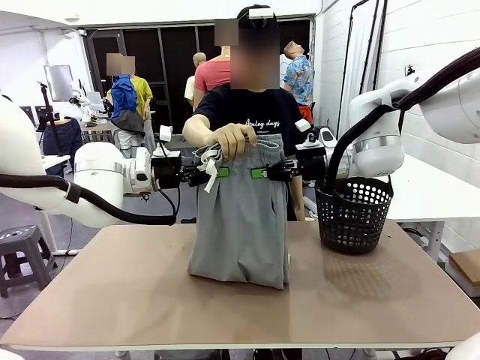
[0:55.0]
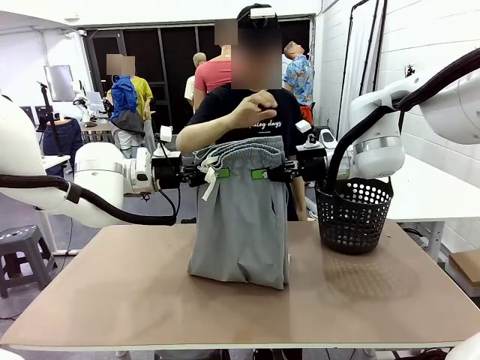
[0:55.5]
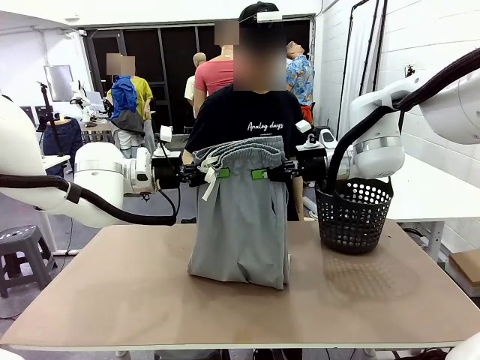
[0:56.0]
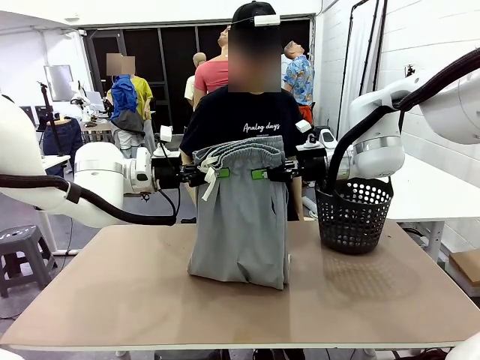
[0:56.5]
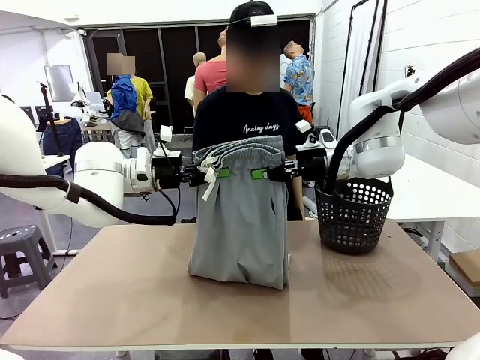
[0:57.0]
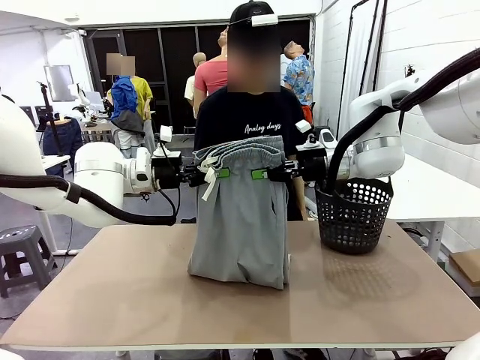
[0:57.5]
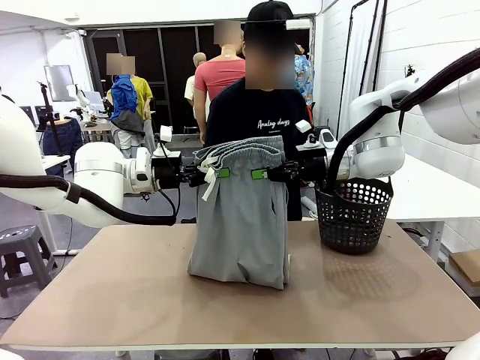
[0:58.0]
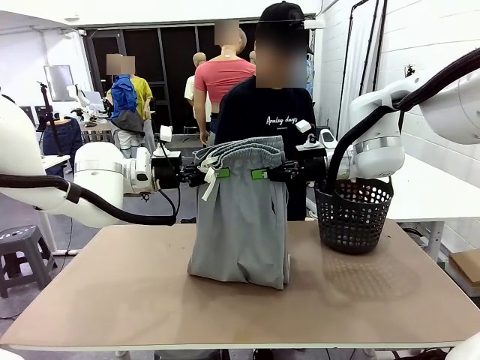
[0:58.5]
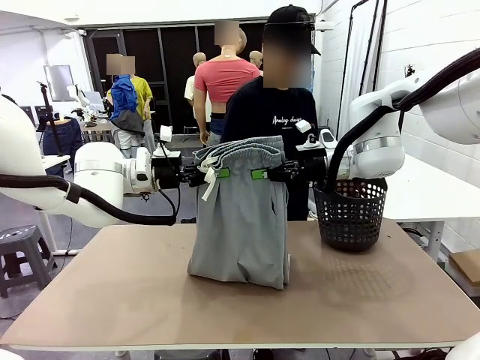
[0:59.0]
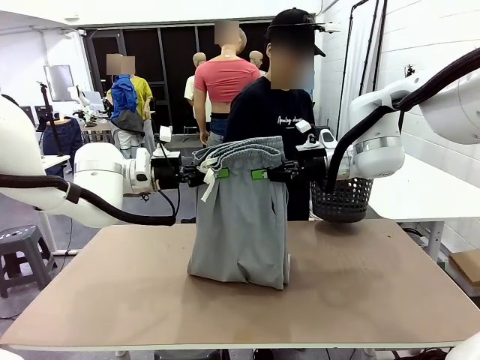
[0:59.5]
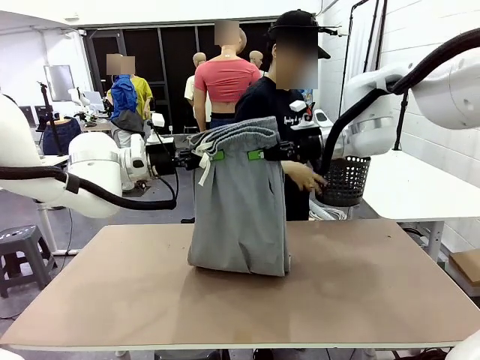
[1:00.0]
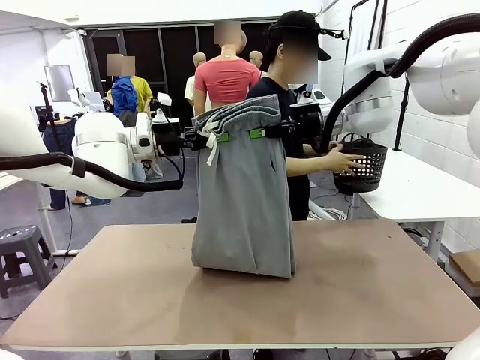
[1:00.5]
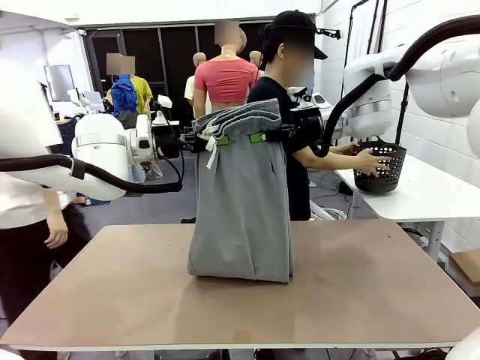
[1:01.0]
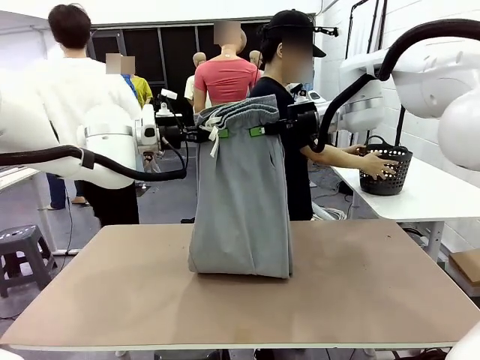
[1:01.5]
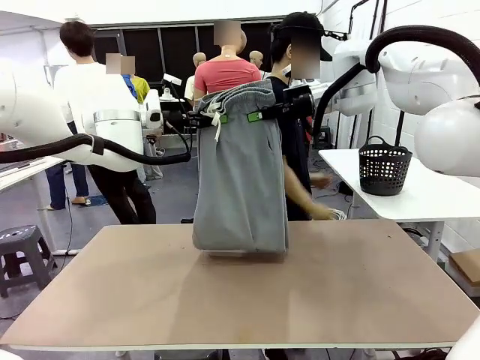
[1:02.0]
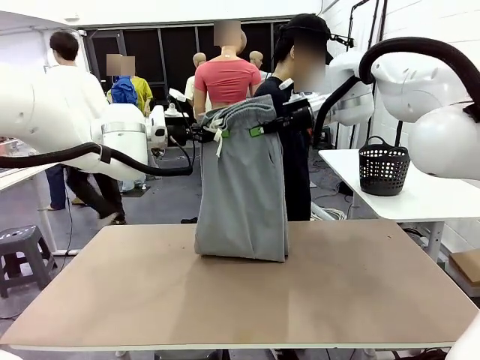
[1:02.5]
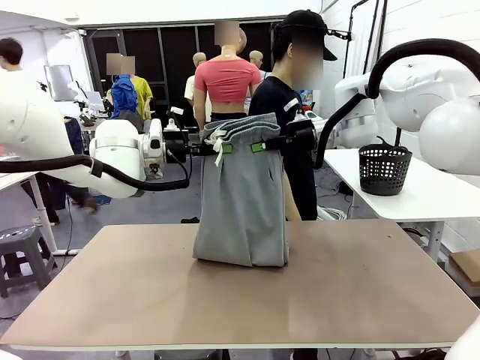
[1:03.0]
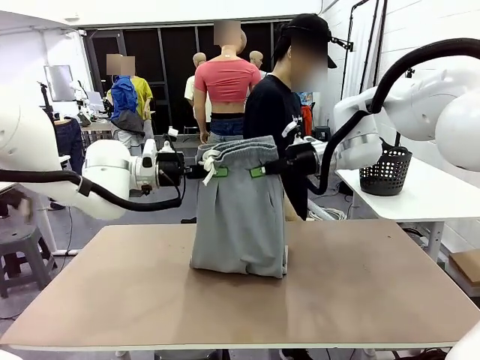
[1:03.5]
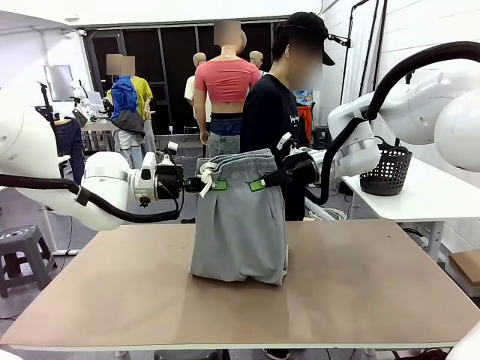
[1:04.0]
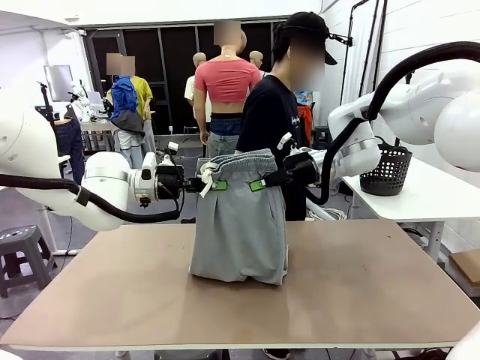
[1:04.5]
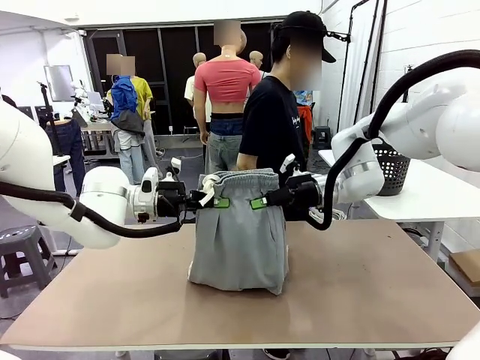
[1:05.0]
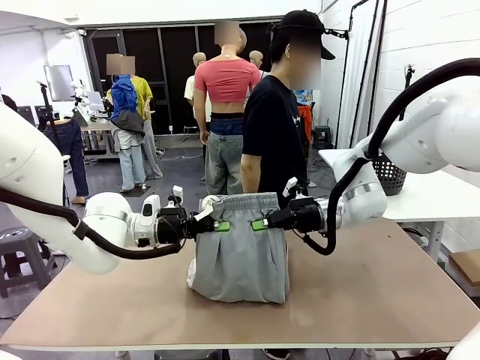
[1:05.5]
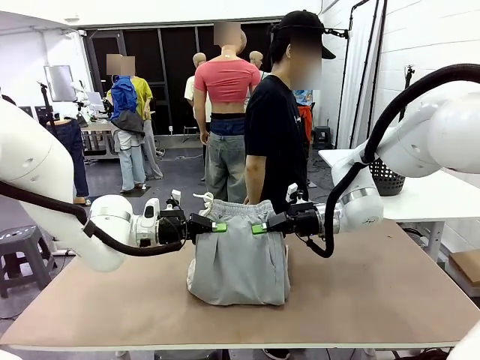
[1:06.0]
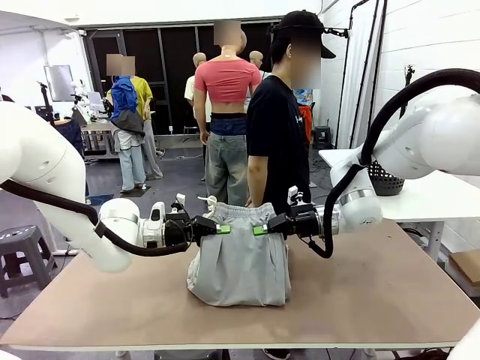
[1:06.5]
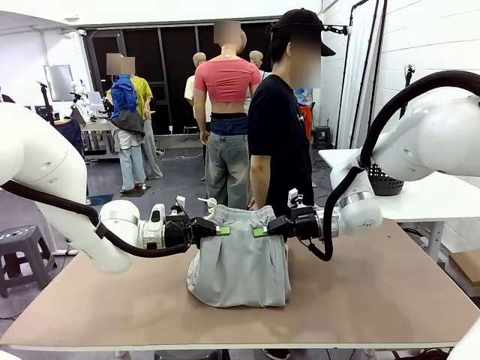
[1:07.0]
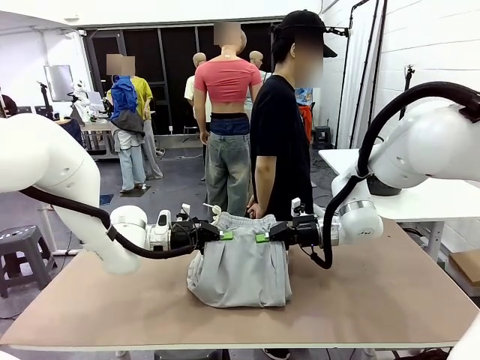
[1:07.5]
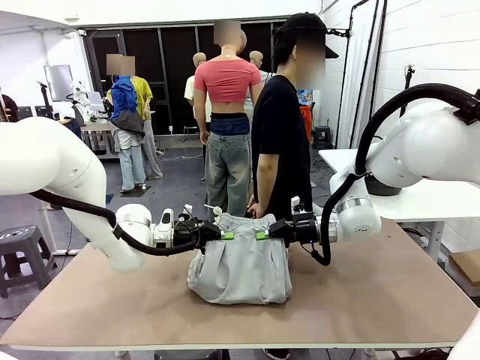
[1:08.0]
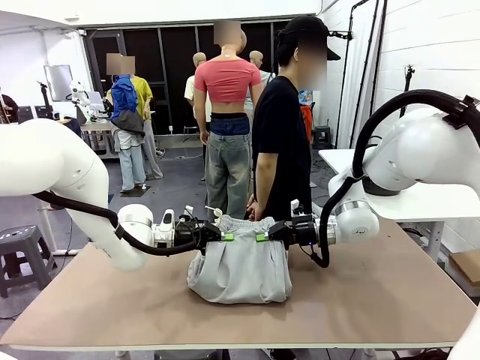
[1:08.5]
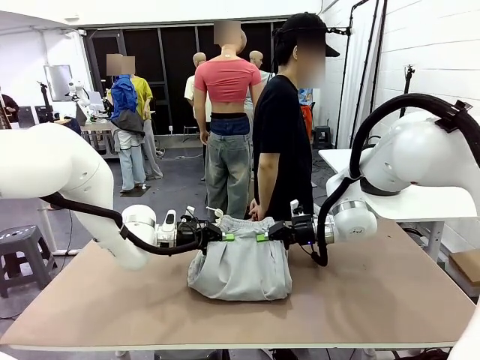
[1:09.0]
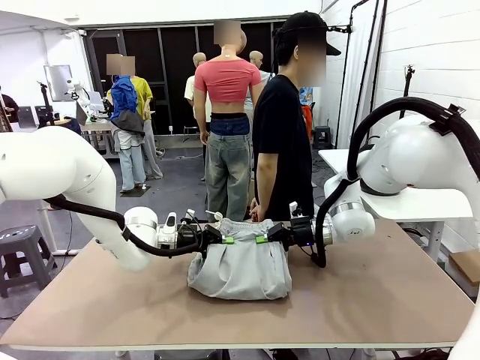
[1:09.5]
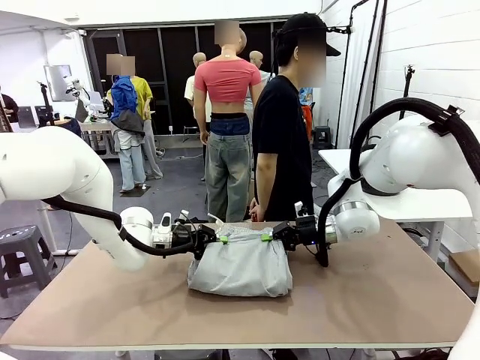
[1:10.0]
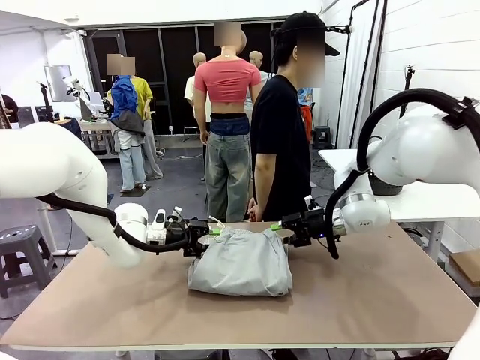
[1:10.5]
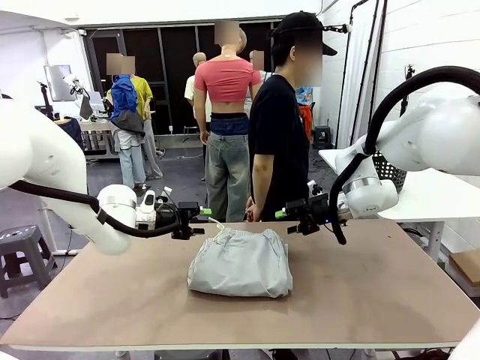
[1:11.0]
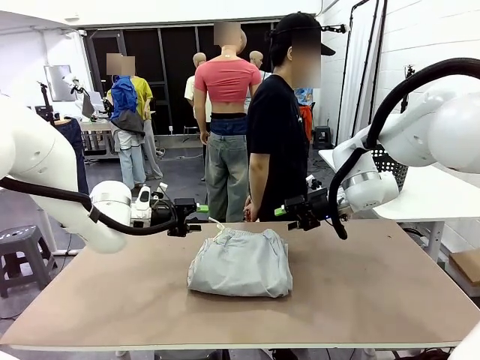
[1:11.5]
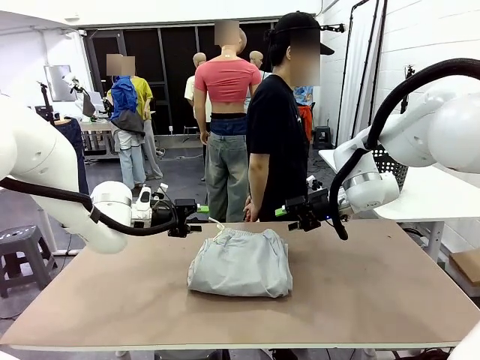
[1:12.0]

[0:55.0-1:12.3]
Task: Fold the training pants.
Robot: Fold the Training pants in half.
Person: Move the laundry basket to the right of the human table.

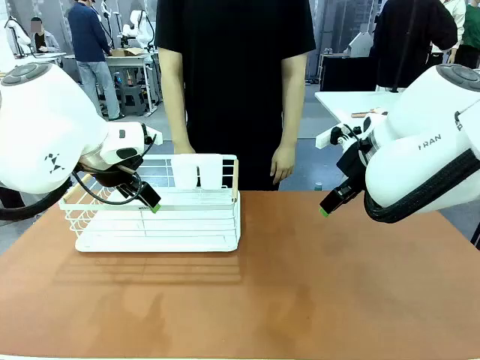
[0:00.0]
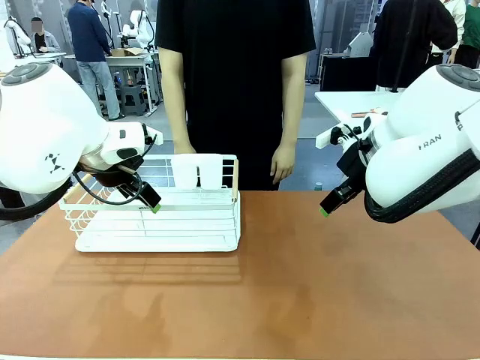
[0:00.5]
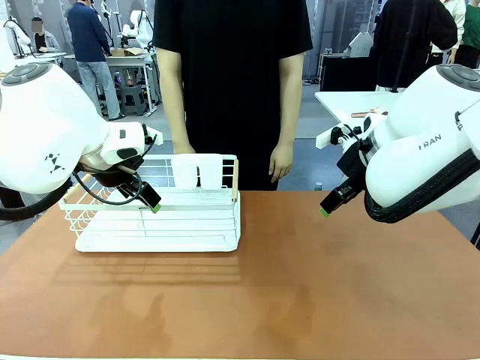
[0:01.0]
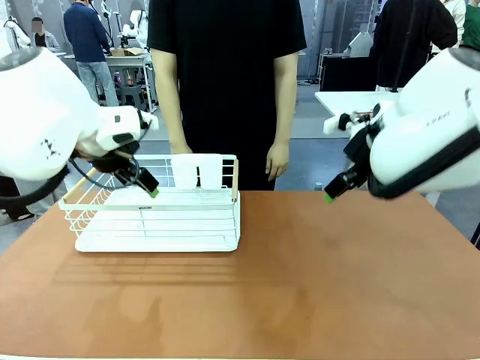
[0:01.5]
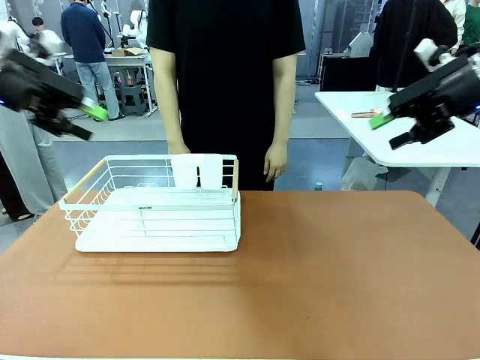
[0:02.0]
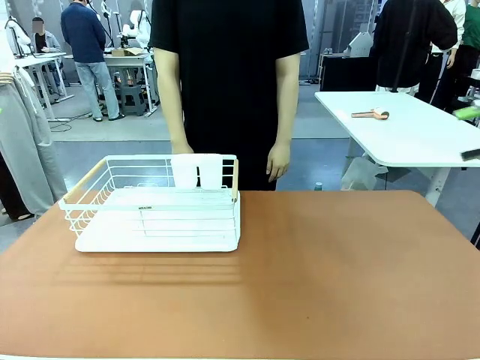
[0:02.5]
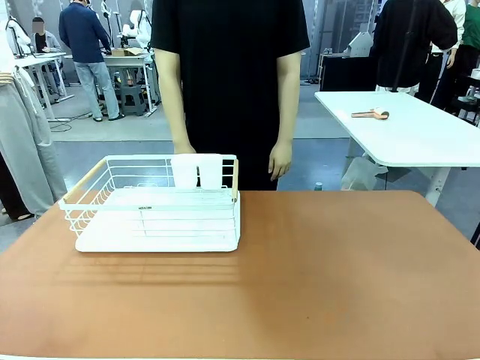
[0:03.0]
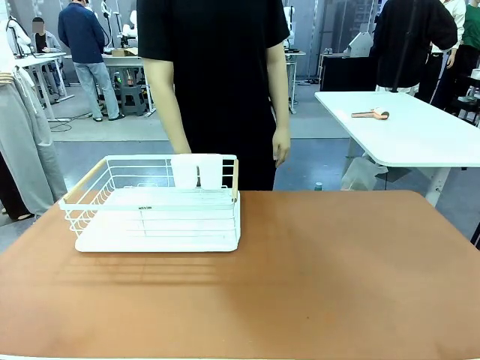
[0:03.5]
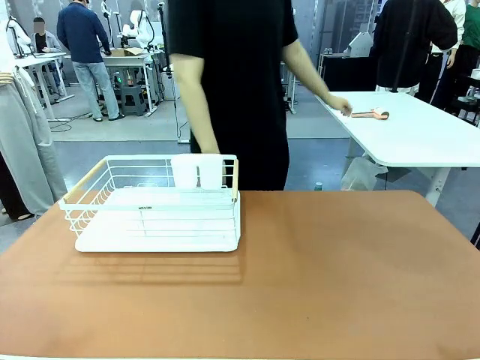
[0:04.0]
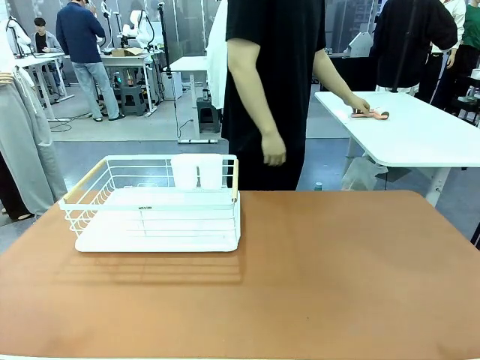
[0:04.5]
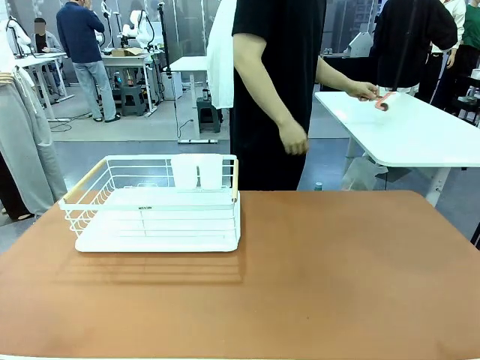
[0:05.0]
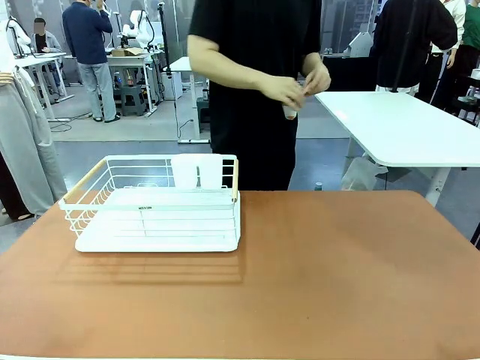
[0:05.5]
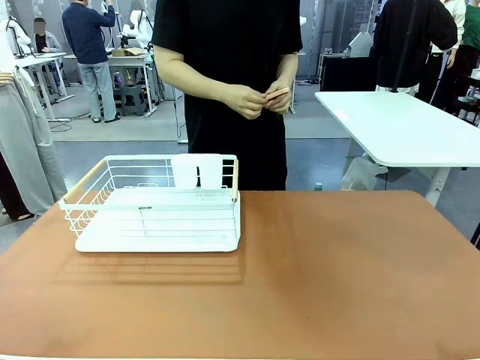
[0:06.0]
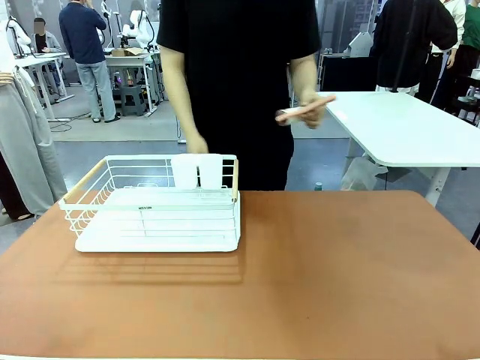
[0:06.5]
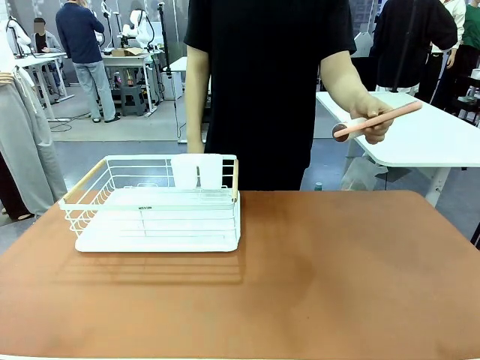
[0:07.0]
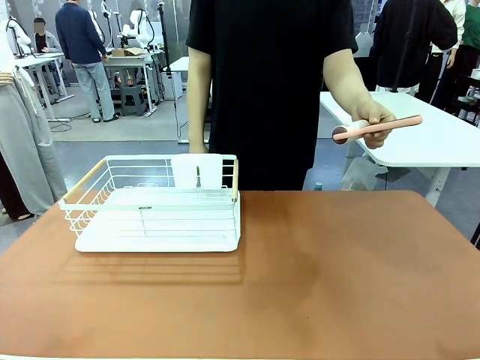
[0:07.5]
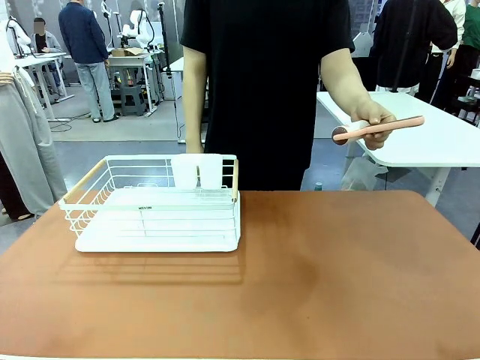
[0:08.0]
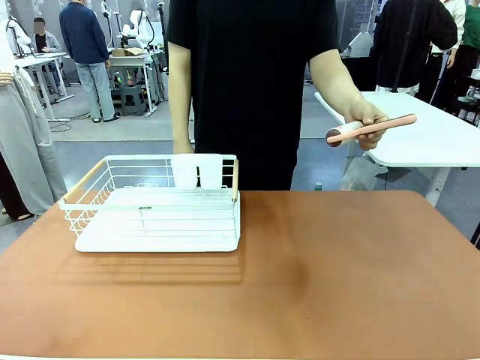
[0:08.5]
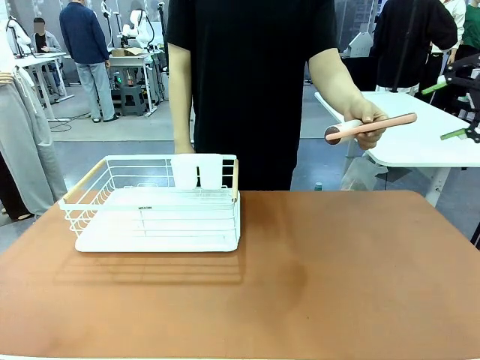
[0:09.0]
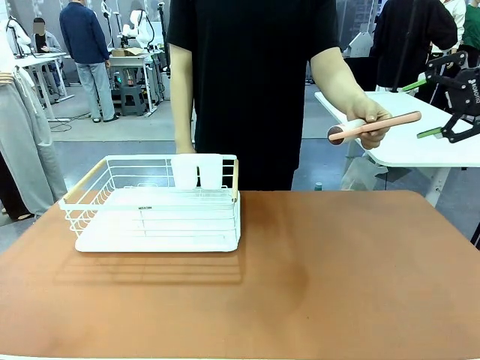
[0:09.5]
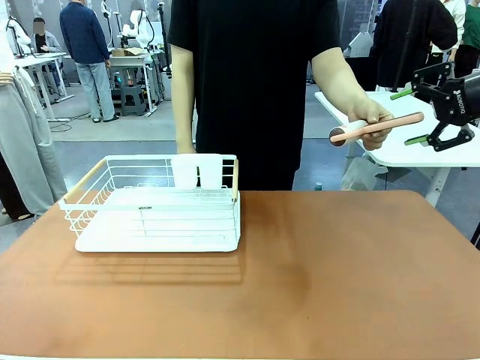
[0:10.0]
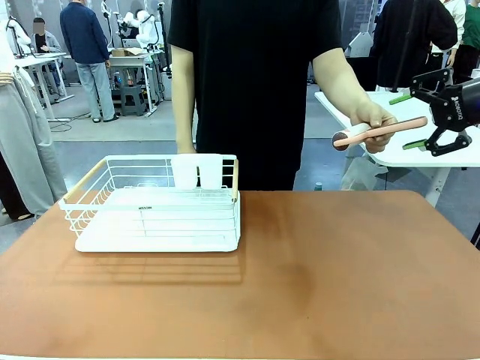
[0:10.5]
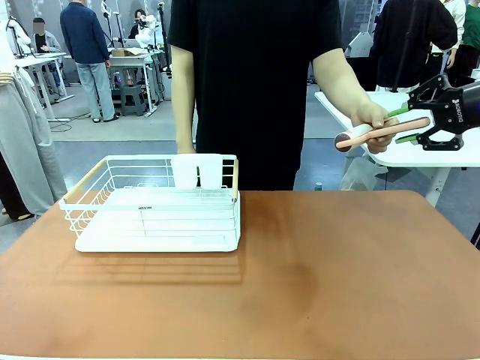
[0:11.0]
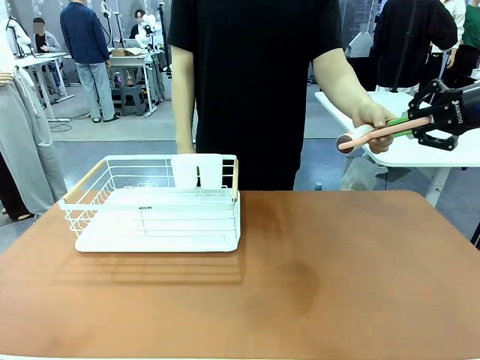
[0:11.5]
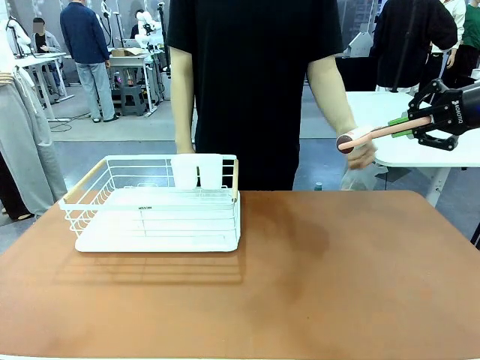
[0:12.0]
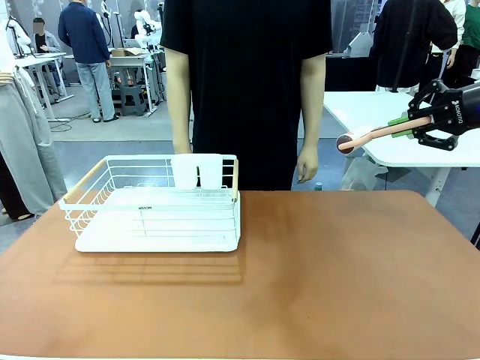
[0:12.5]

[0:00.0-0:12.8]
Task: Clean the table.
Robot: Pick up the Lint Roller when the human hands it over.
Person: Hand the Lint Roller to the robot so it can easily pick it up. Lift the Dish drying rack.
